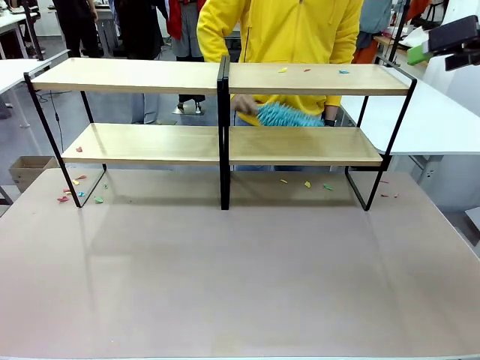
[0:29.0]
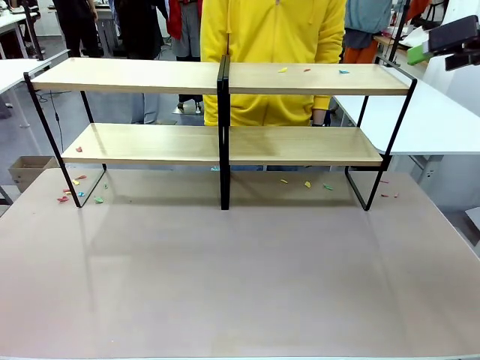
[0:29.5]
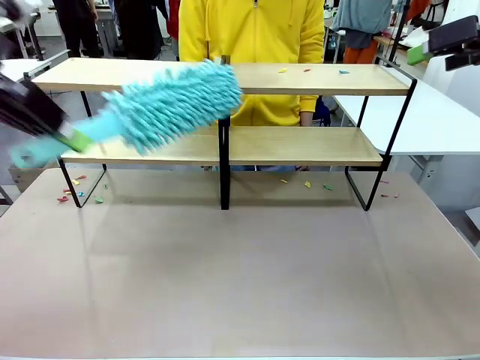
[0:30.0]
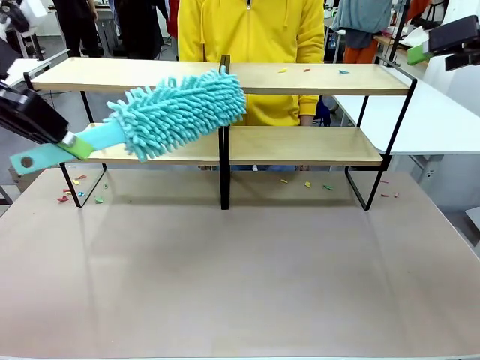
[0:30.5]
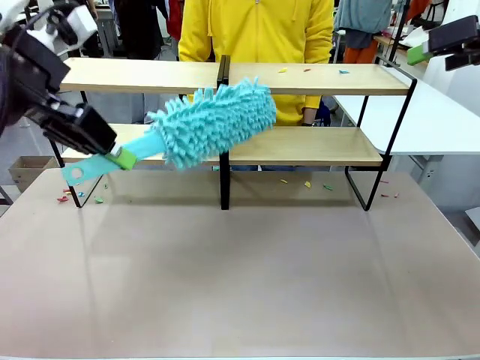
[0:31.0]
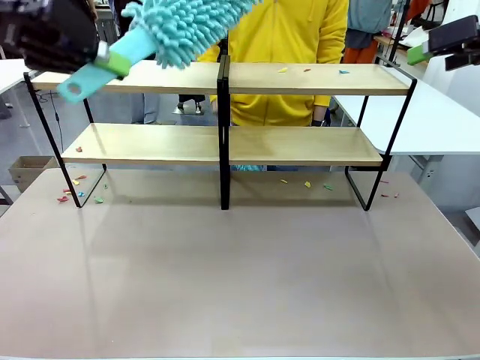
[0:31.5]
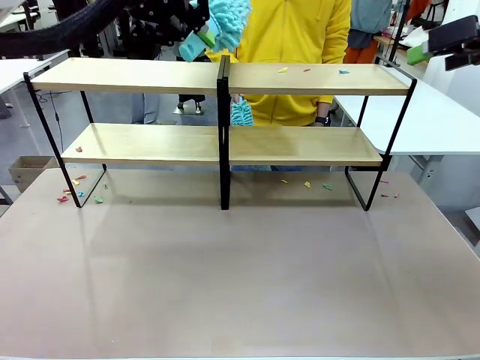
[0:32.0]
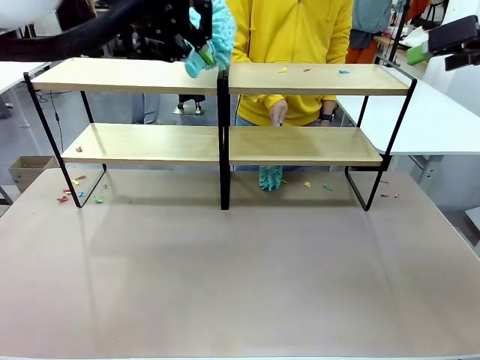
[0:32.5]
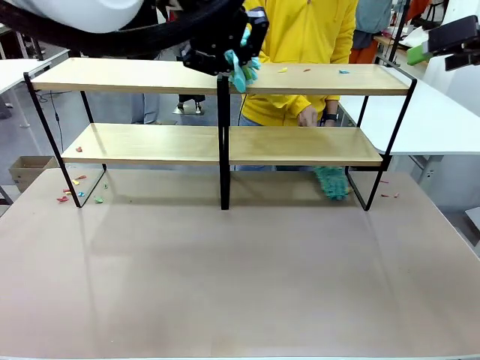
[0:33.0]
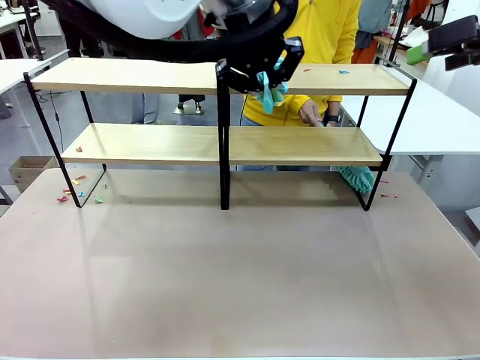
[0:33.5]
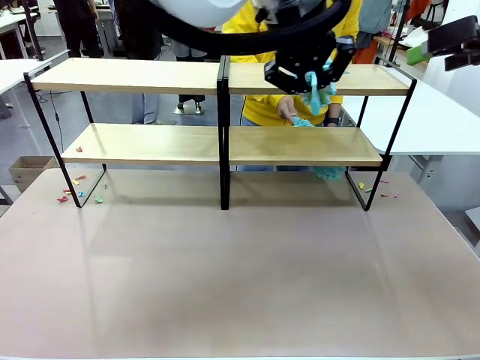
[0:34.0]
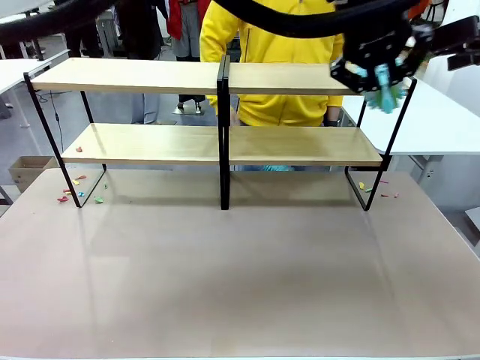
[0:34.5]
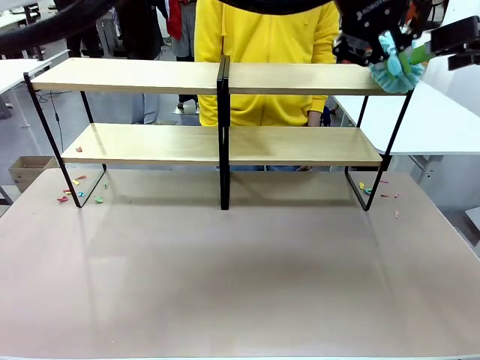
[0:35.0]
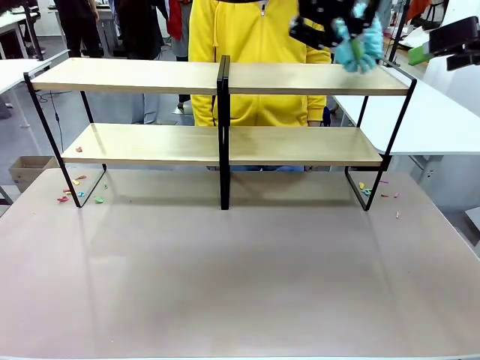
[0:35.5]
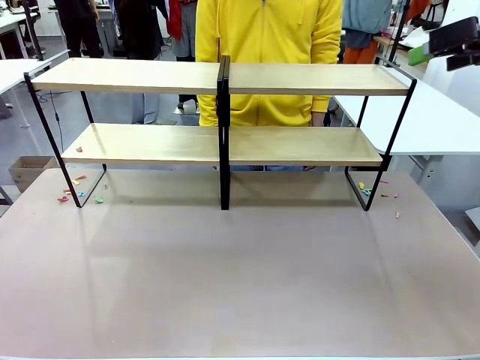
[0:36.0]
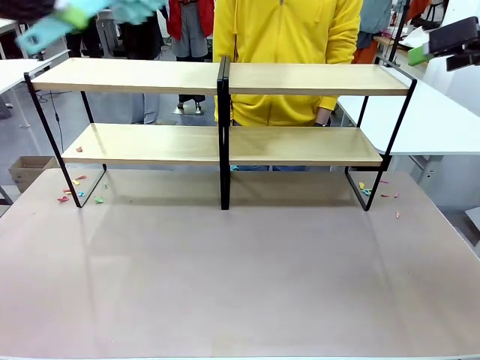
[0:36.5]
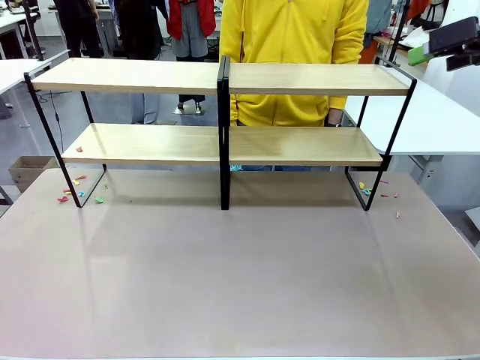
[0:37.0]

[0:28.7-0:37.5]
Task: Clean the shelves.
Robot: Clean another randomly selected level of the Shelf with the Duster.

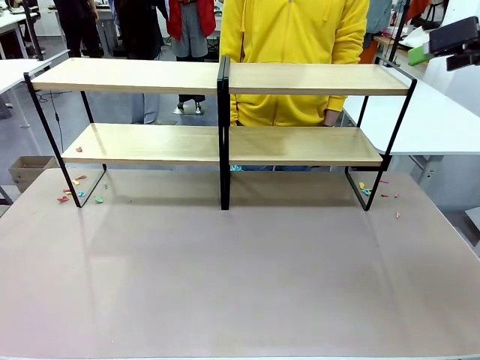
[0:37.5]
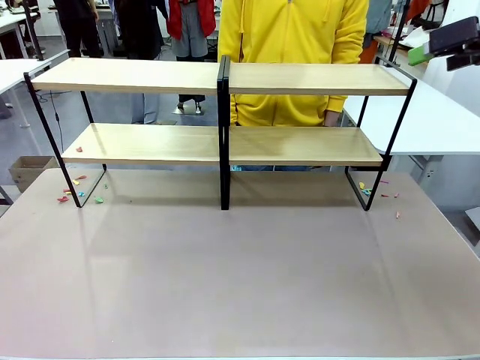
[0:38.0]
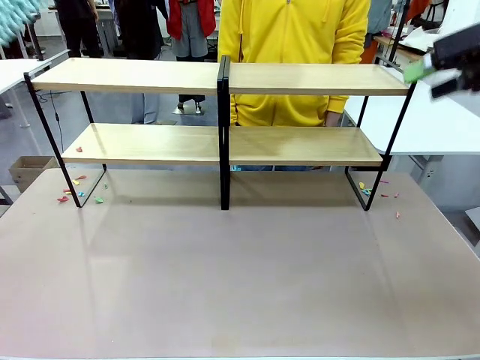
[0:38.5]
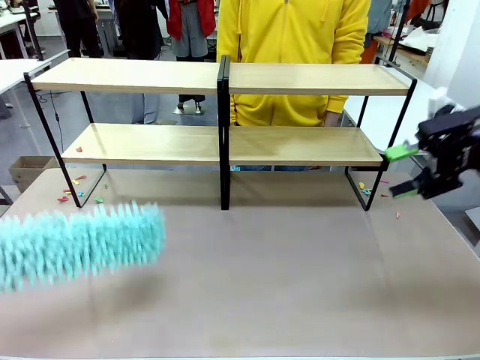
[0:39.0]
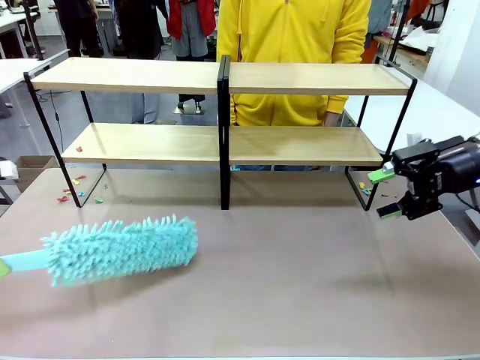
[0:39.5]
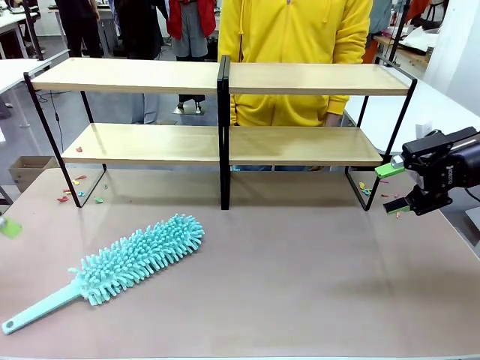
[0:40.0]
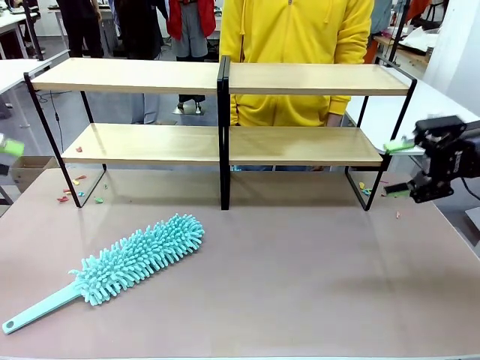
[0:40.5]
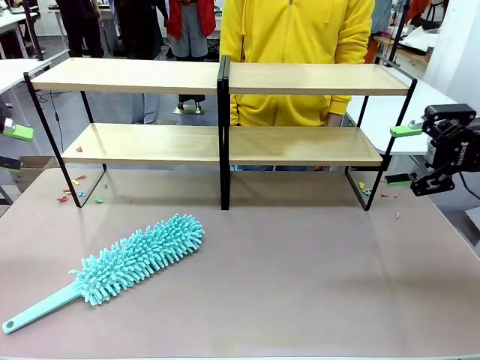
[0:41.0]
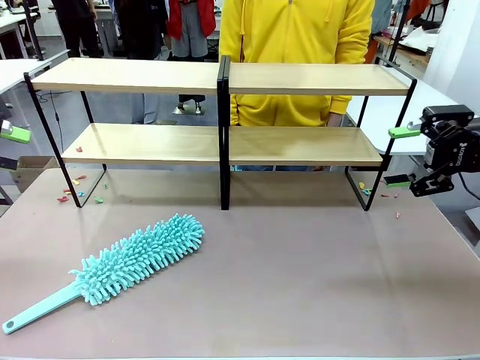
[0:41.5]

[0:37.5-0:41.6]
Robot: Place the Duster on the table.

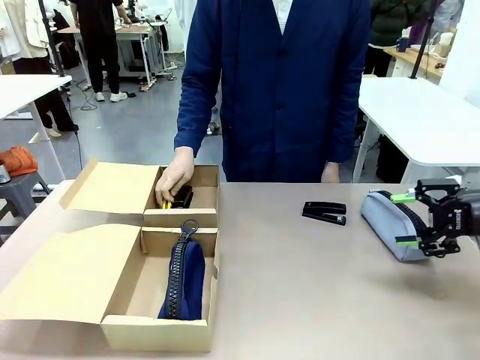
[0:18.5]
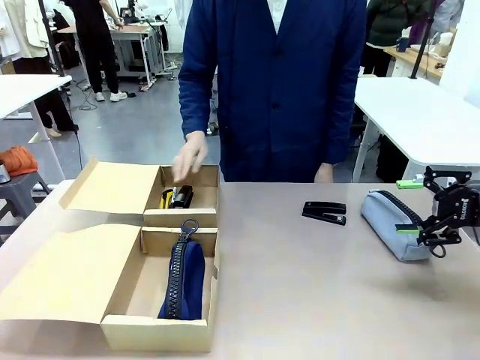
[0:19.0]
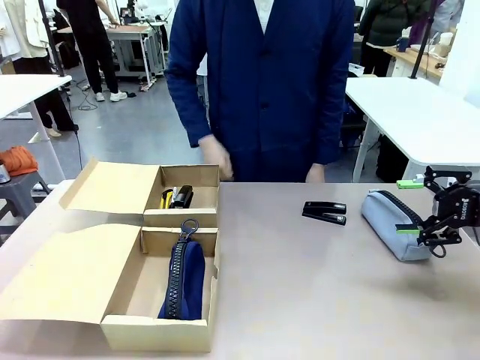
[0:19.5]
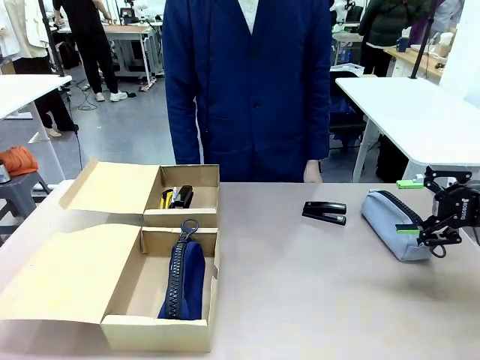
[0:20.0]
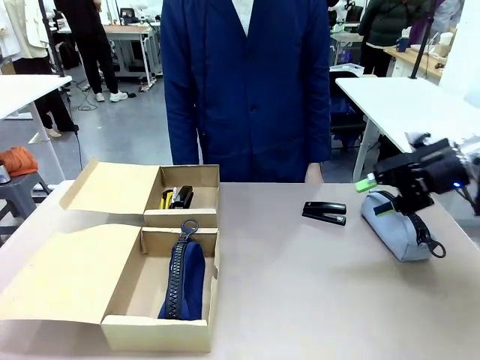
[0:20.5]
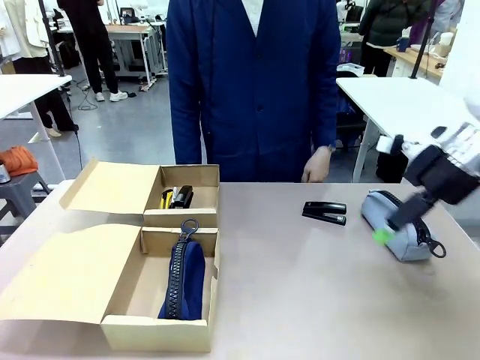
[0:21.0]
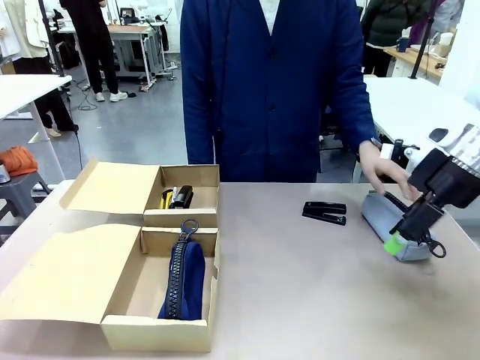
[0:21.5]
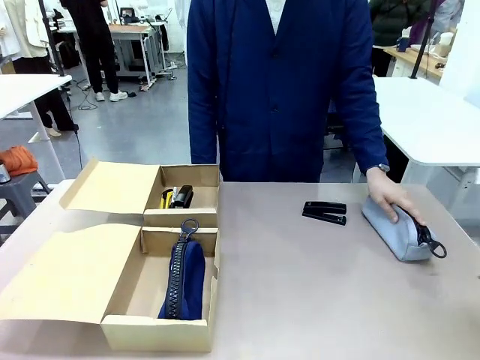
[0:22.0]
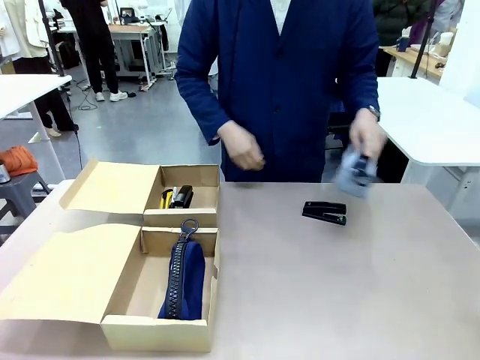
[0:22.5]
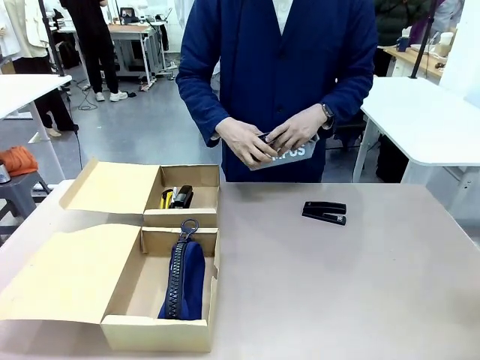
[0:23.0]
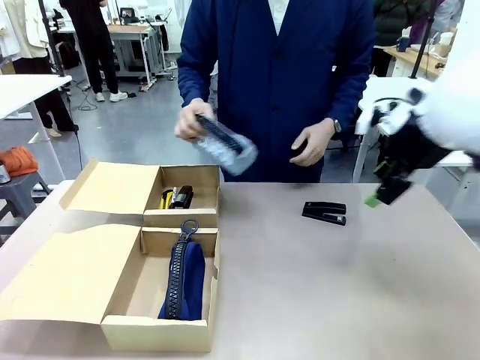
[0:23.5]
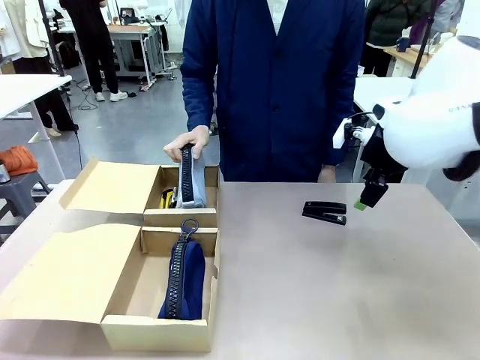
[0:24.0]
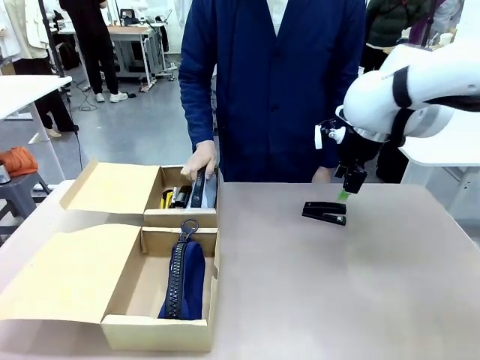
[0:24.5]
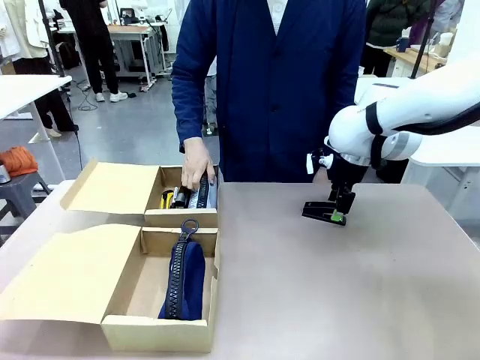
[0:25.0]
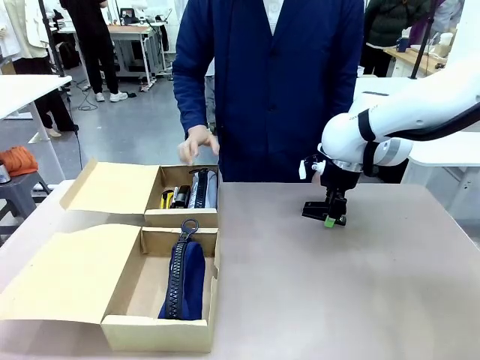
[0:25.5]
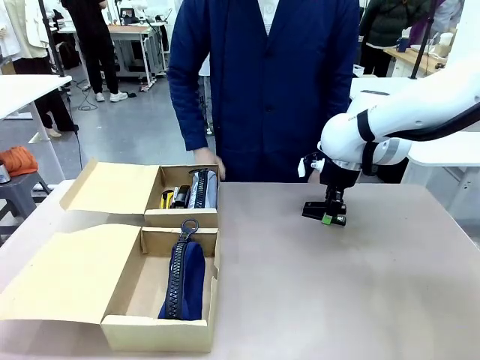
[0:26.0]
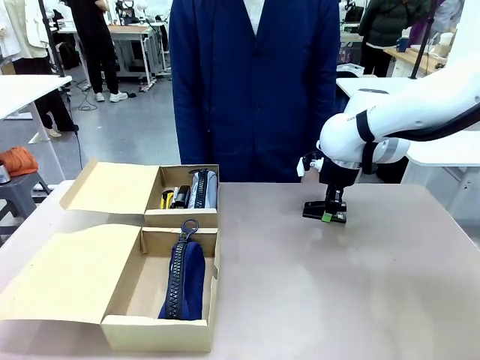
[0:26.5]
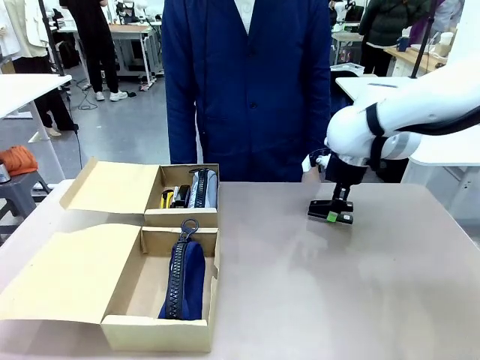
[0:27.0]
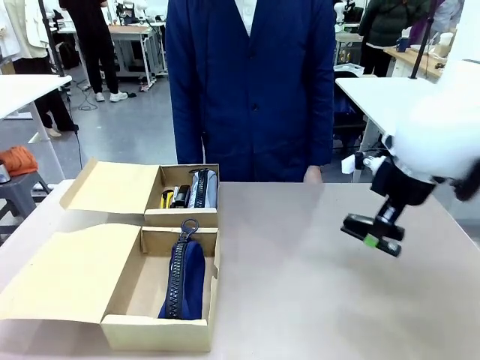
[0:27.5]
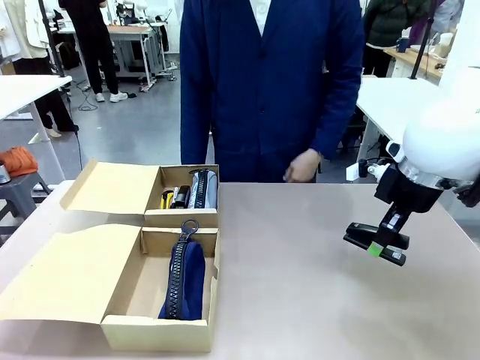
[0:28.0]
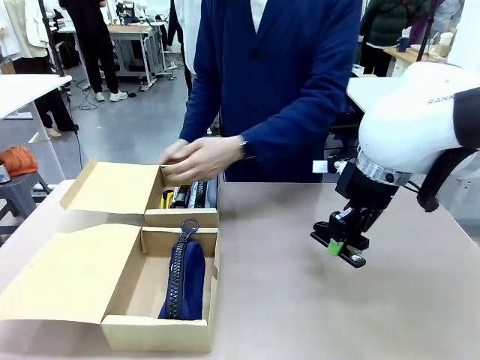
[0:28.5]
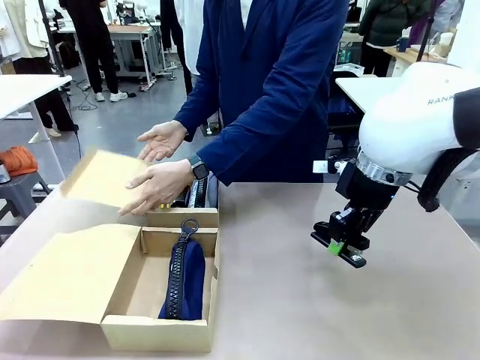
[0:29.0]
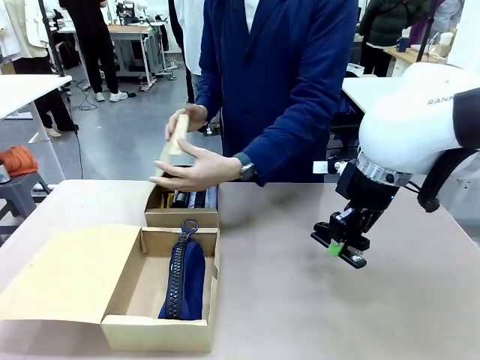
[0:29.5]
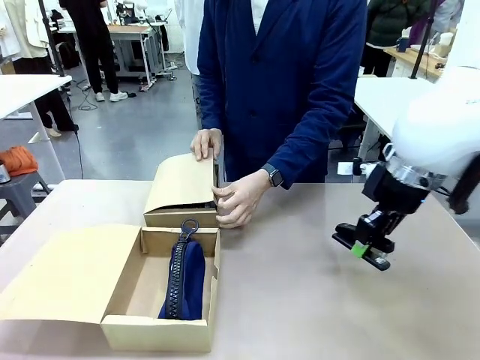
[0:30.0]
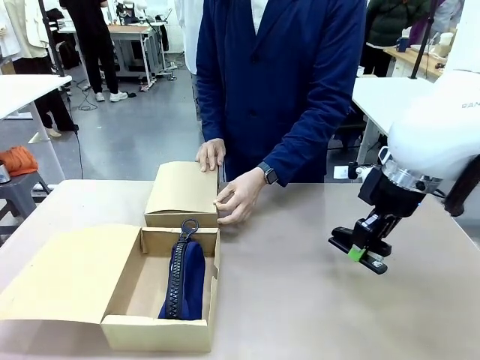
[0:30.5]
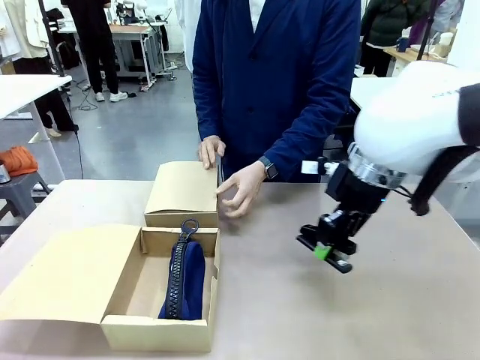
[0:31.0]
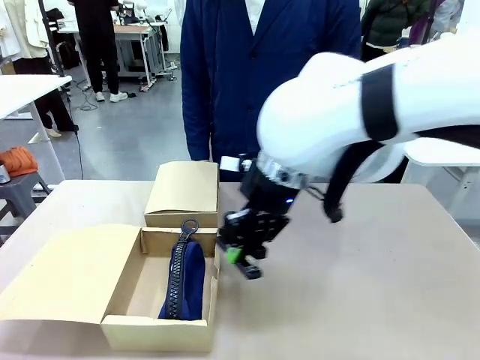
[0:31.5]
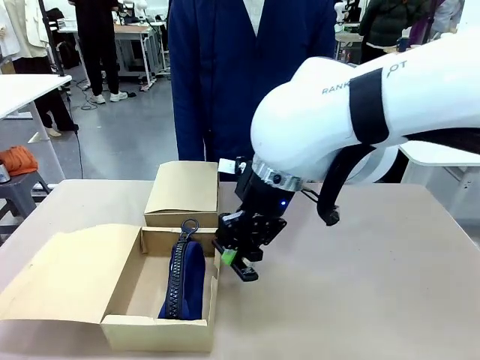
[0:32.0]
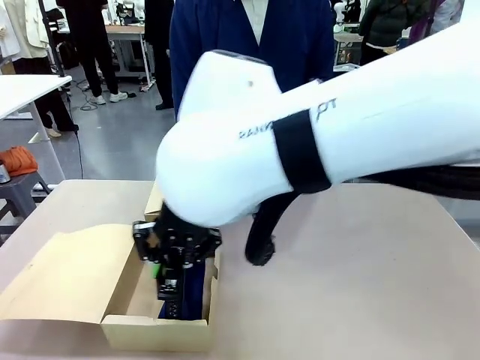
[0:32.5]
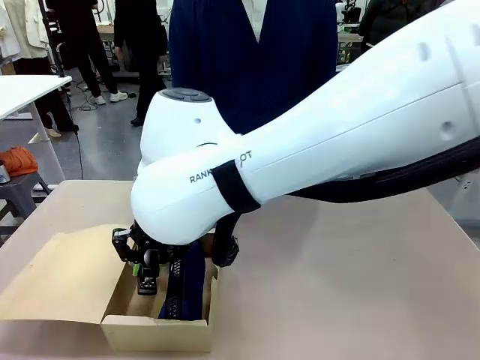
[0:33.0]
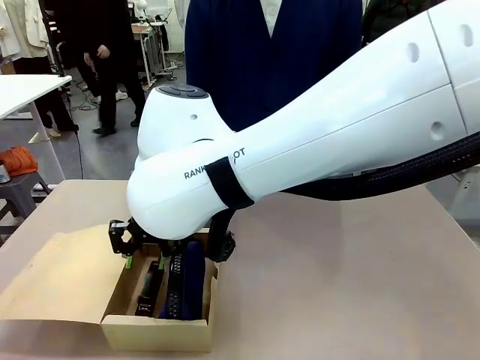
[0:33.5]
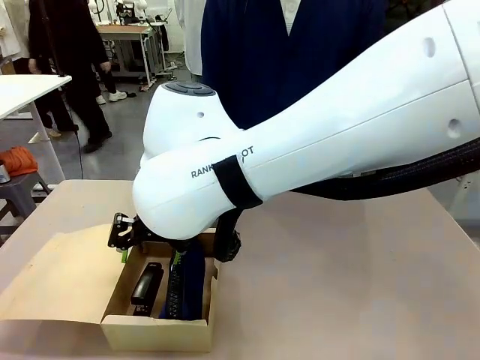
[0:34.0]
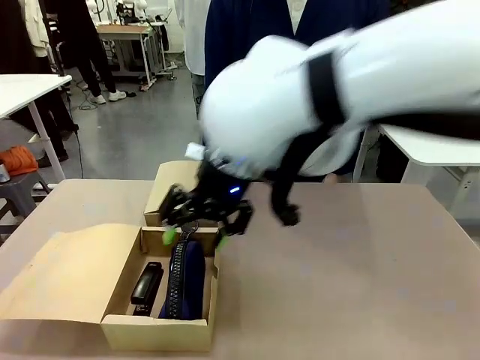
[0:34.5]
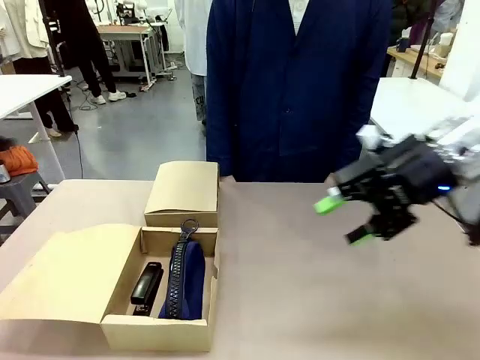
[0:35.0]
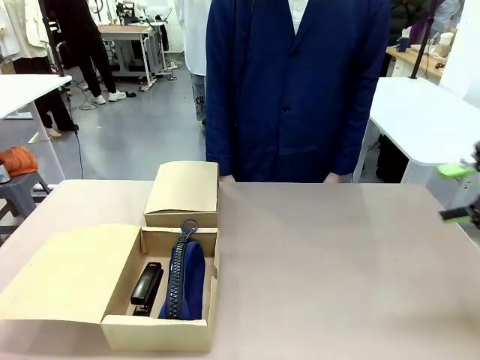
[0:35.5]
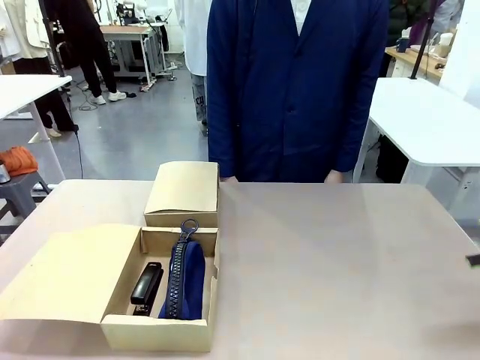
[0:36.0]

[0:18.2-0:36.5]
Task: Place items inside the box.
Robot: Pick up a Pencil pouch or Stapler and place it inside the Mailer Box closest to the robot.
Person: Close the lid of the box facing the person.
